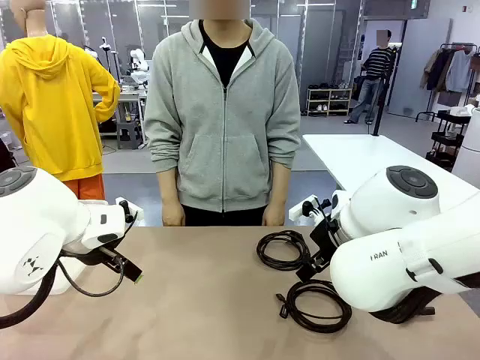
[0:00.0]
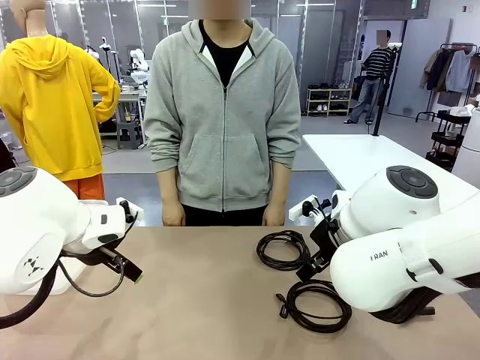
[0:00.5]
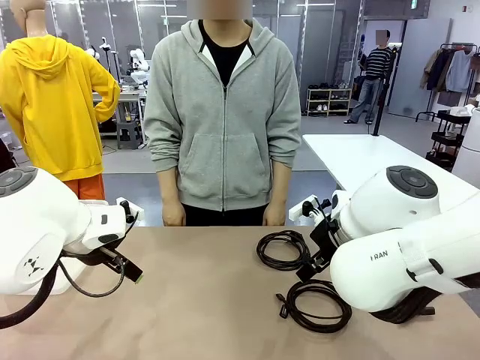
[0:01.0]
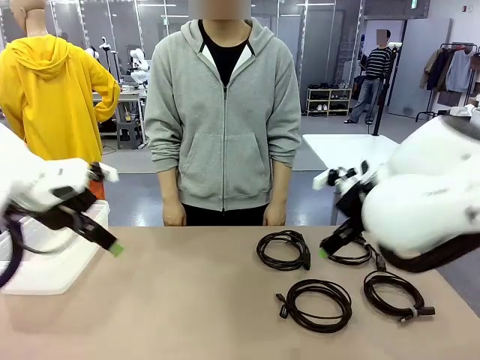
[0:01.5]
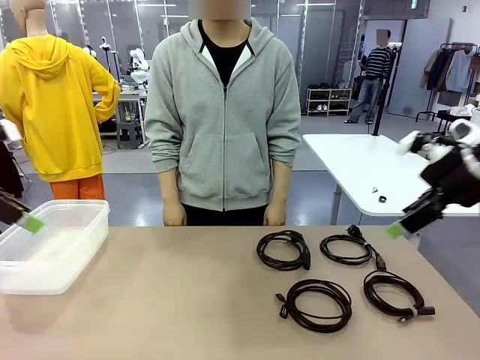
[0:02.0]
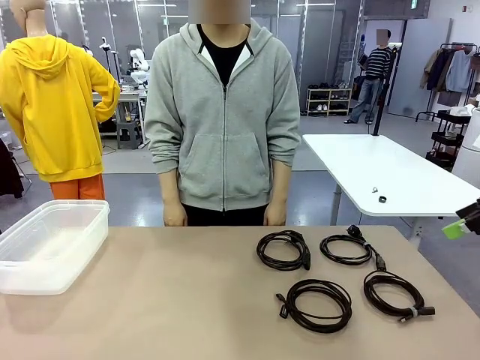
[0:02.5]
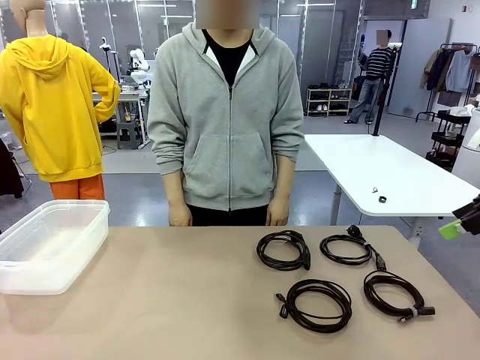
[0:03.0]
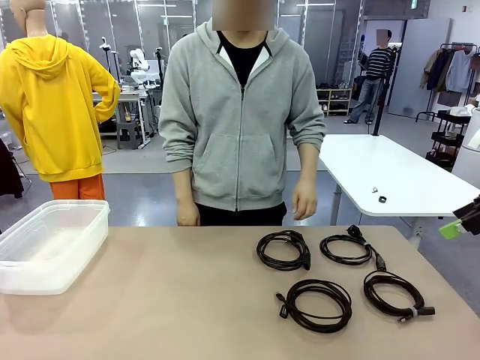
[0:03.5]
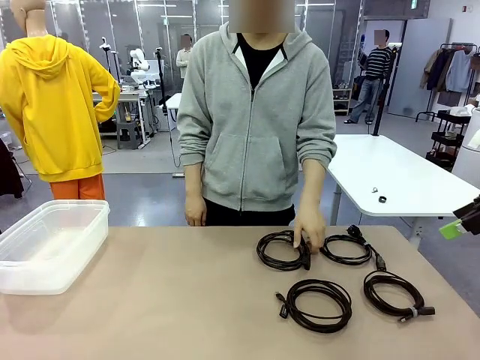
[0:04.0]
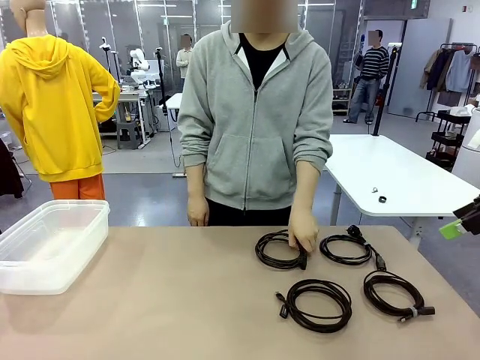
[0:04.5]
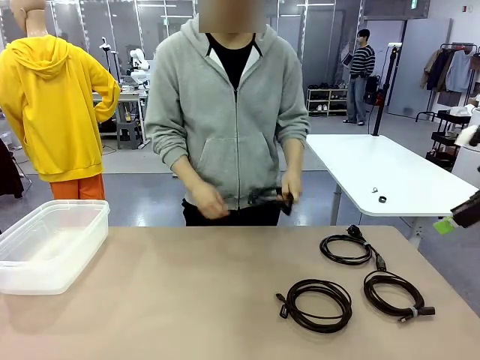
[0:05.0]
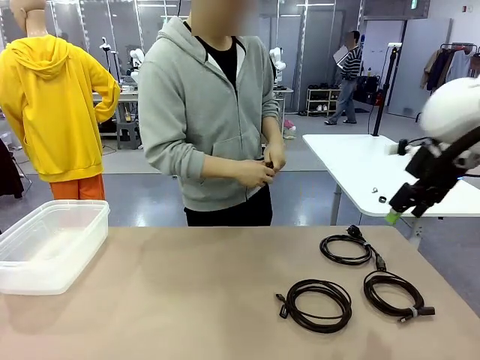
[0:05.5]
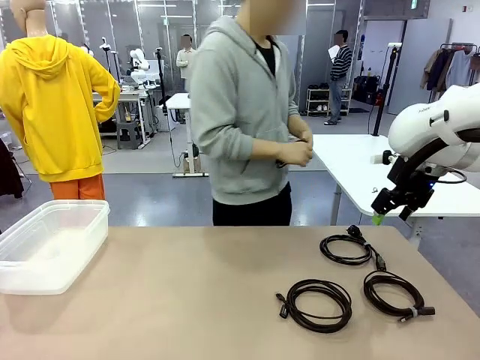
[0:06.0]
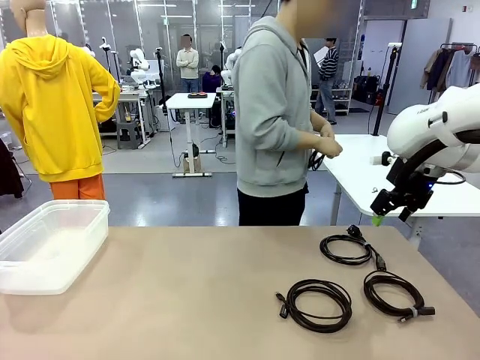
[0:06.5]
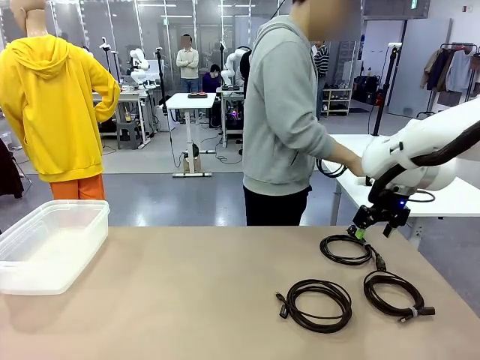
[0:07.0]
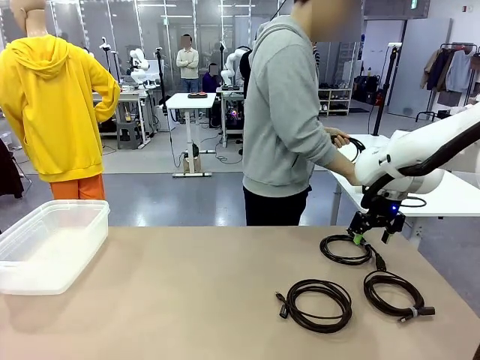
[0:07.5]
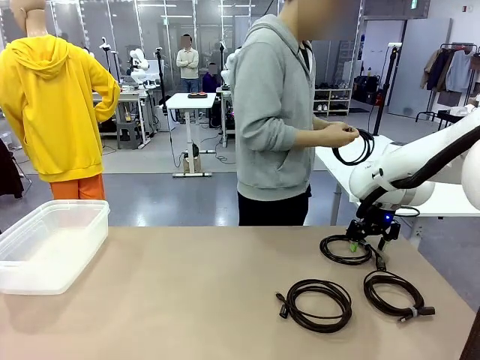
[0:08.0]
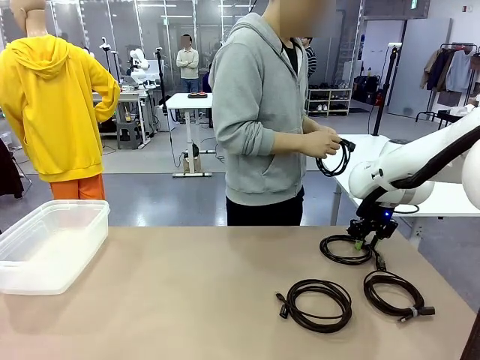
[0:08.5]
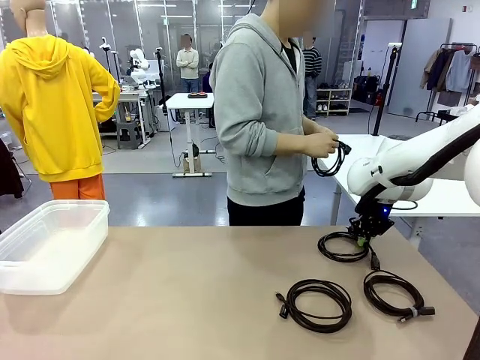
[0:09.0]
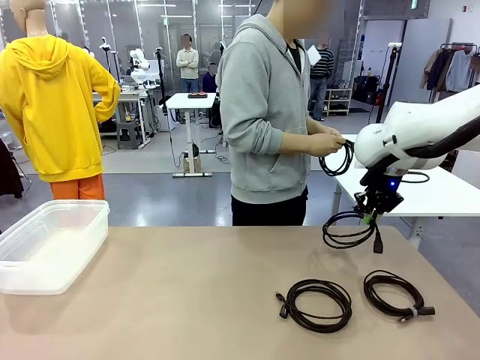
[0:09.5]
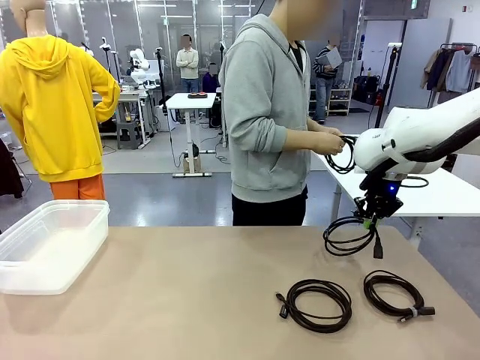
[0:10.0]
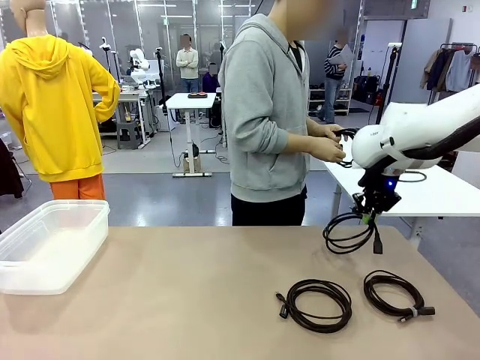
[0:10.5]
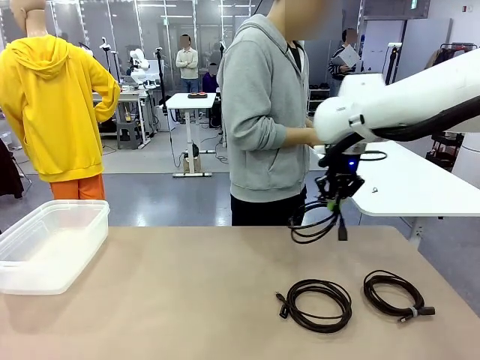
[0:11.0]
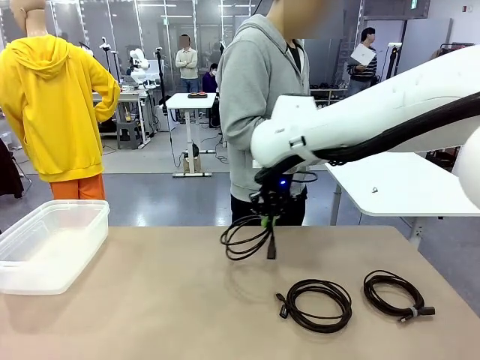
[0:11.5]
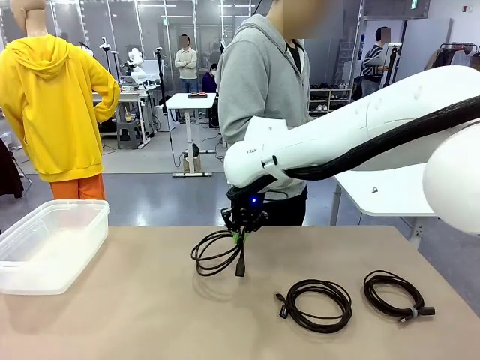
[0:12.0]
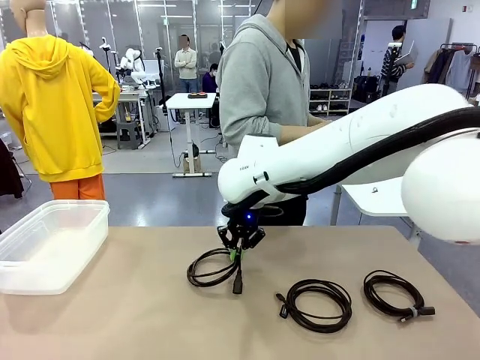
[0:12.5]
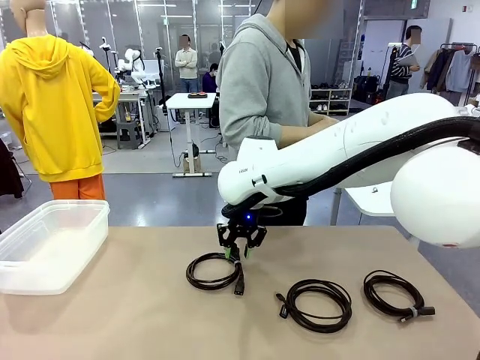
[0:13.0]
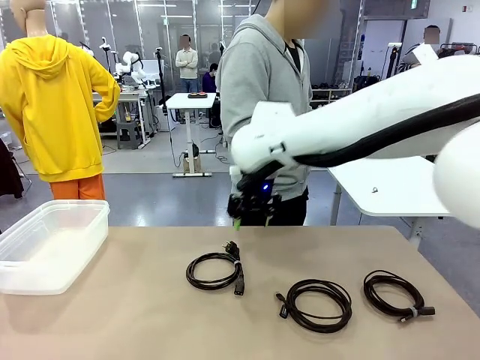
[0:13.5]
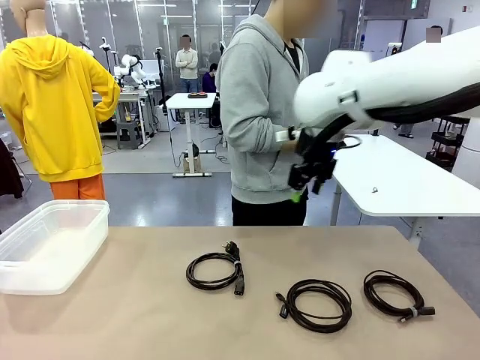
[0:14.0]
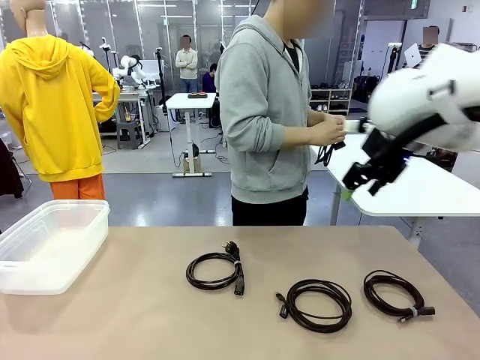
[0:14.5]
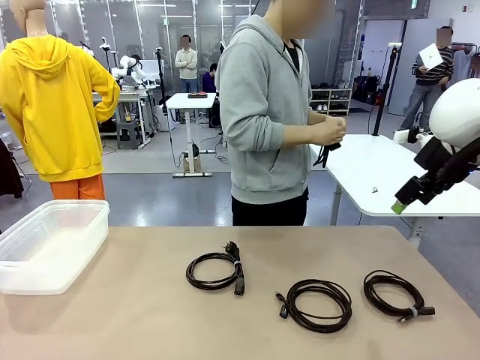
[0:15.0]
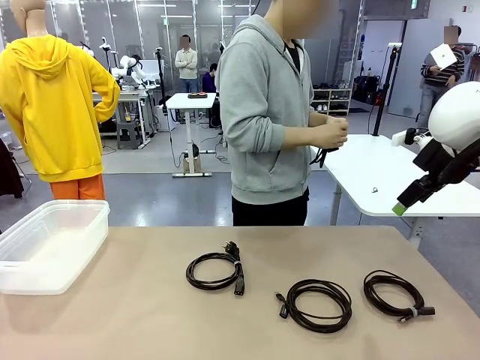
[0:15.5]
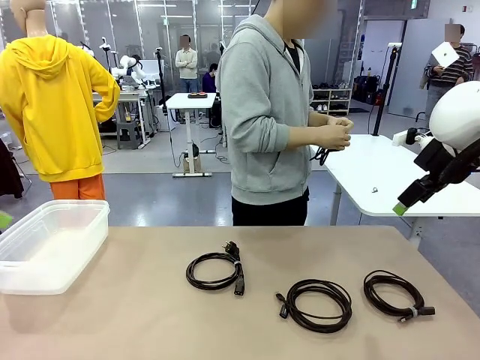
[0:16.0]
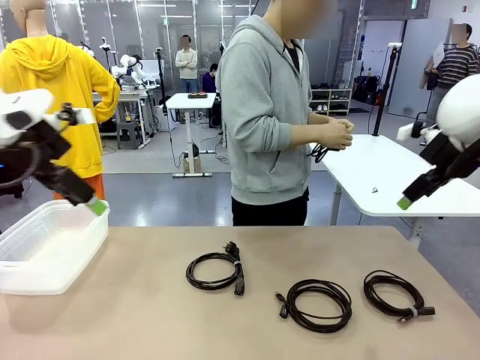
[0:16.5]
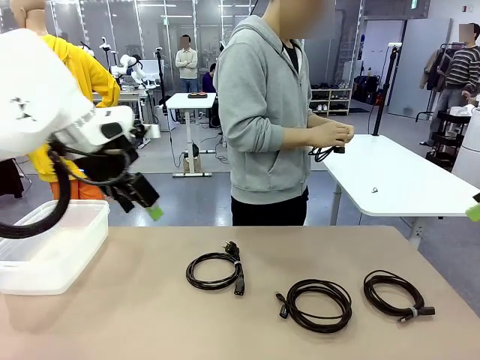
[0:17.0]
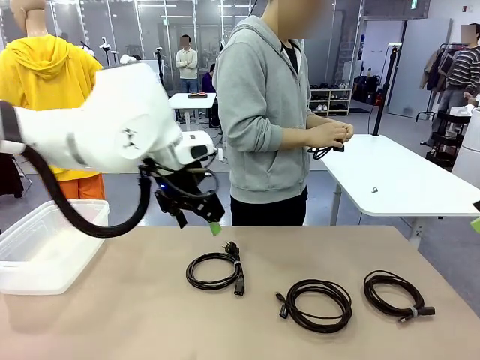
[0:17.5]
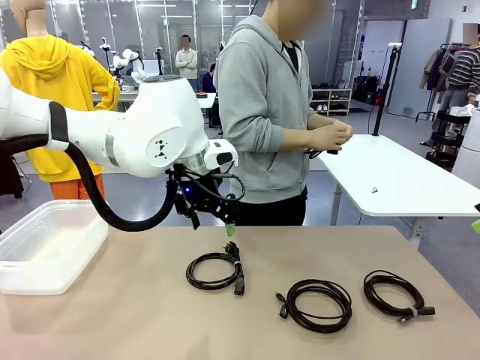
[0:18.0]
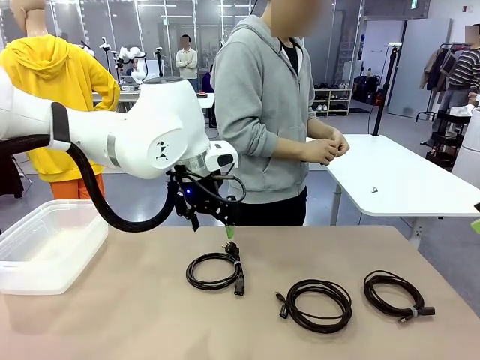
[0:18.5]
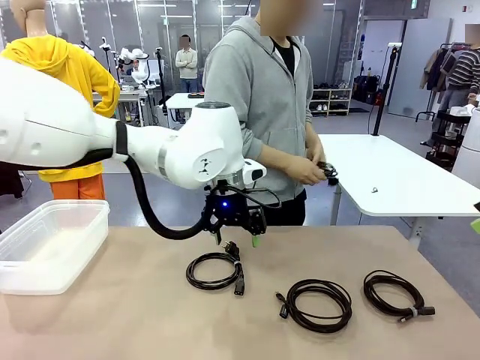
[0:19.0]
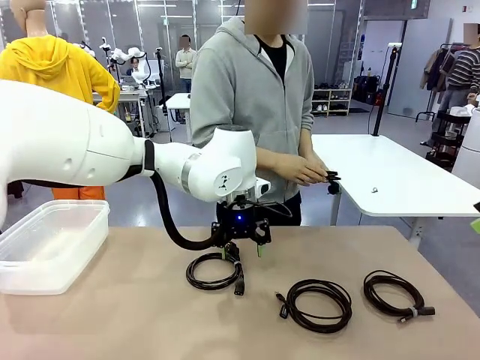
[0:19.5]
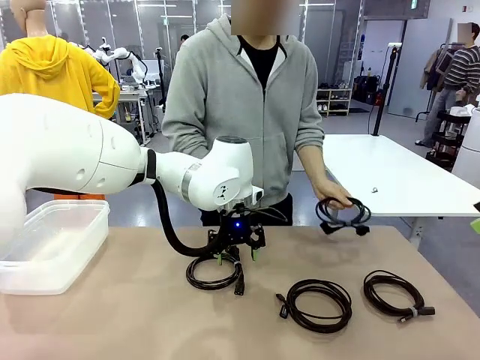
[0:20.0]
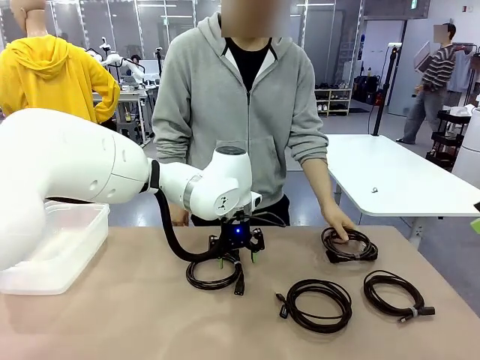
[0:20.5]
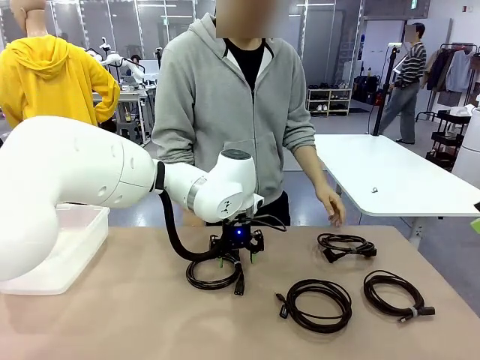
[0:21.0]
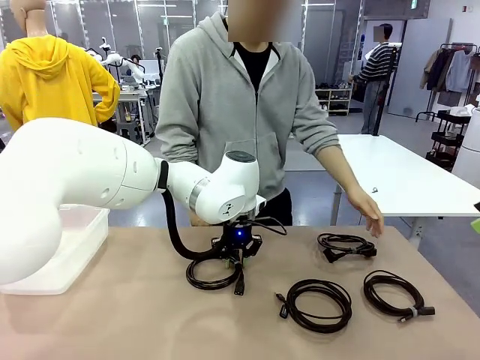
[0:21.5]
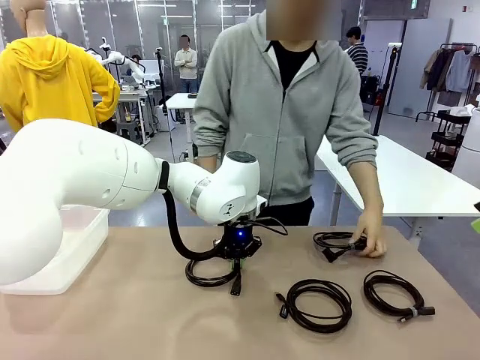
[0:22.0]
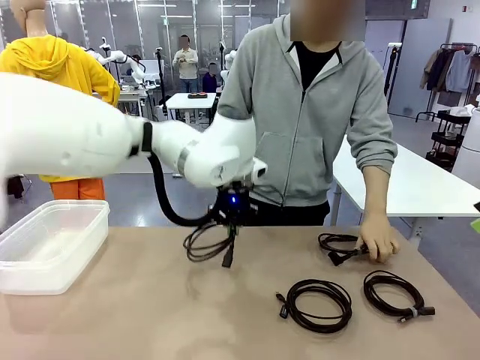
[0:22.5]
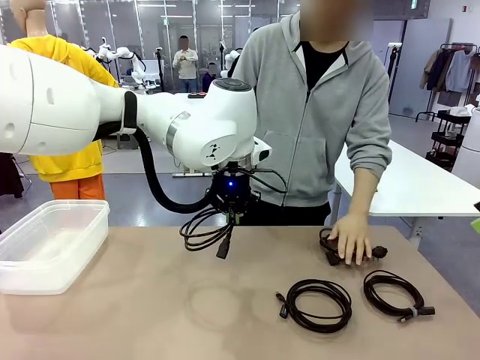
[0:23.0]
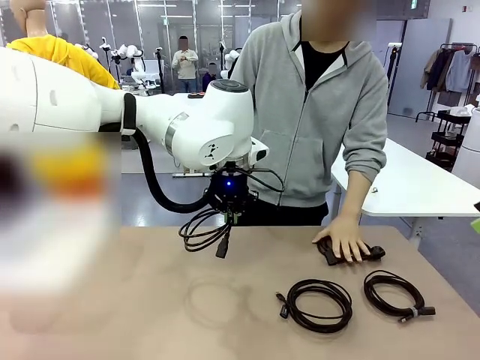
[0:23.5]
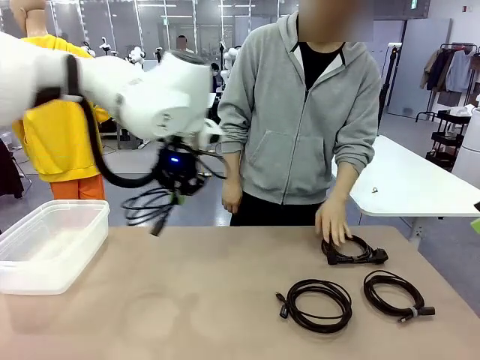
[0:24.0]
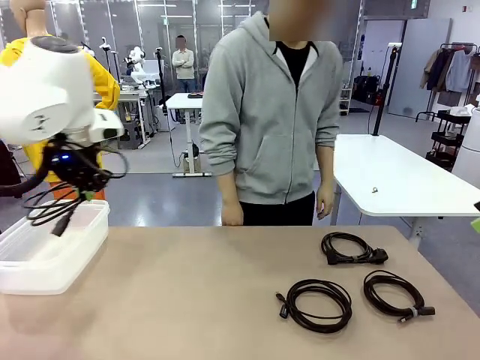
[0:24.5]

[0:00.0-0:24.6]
Task: Organize and store the cables.
Robot: Place the Power Cable into the Organizing box.
Person: Tie one Power Cable with a Reusable Cable Tie.
